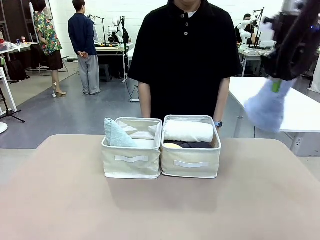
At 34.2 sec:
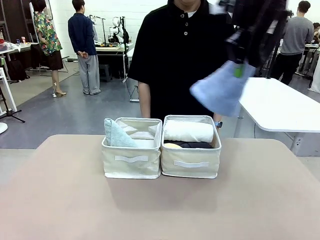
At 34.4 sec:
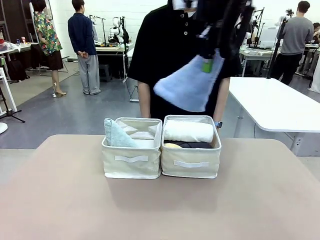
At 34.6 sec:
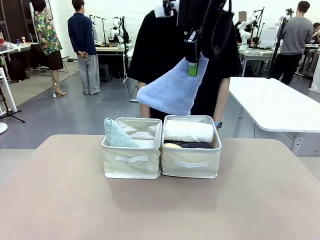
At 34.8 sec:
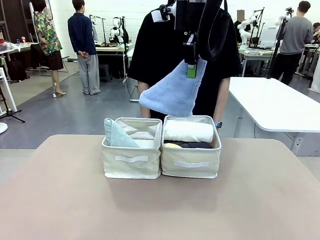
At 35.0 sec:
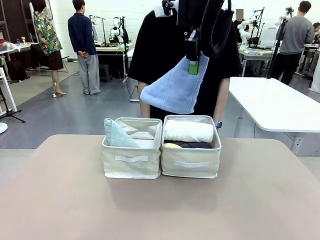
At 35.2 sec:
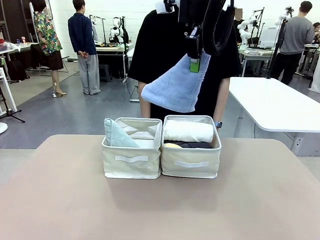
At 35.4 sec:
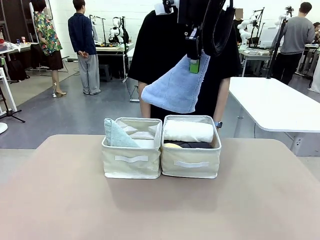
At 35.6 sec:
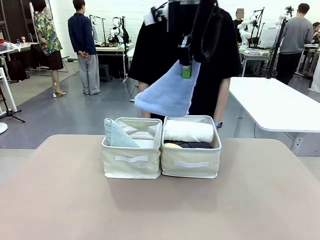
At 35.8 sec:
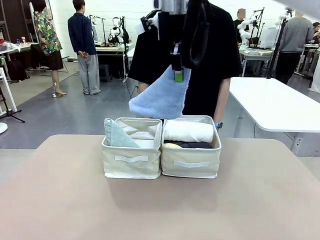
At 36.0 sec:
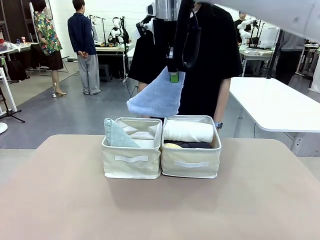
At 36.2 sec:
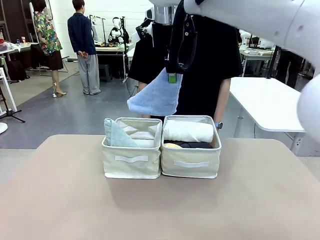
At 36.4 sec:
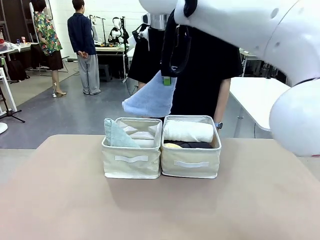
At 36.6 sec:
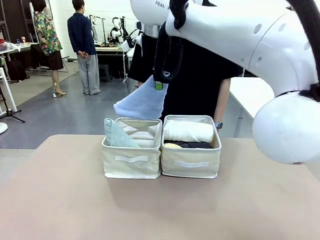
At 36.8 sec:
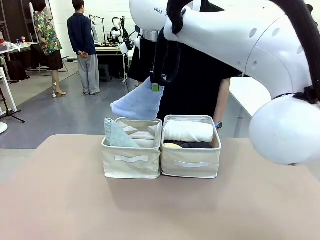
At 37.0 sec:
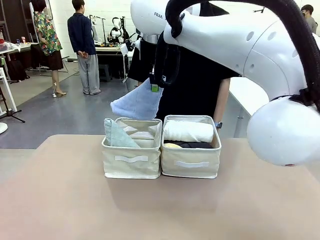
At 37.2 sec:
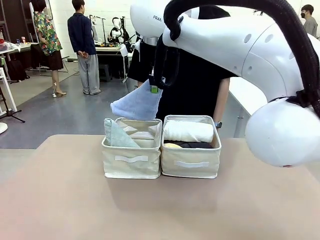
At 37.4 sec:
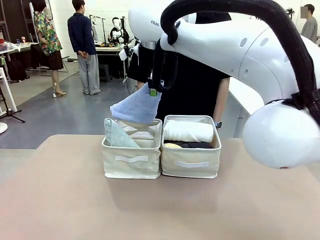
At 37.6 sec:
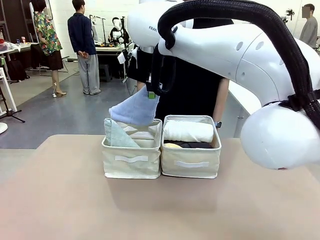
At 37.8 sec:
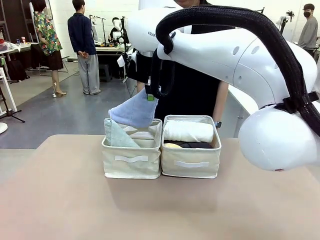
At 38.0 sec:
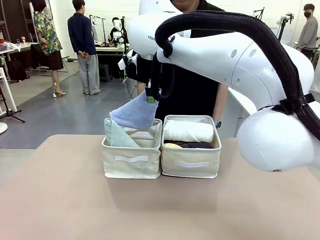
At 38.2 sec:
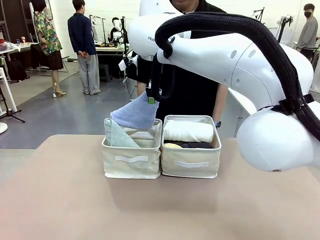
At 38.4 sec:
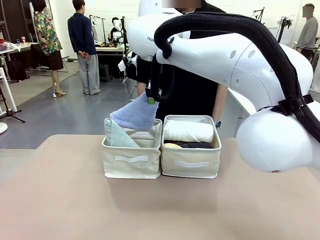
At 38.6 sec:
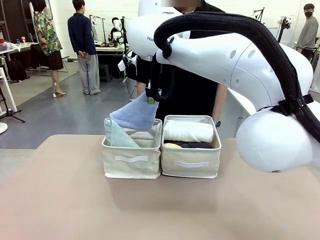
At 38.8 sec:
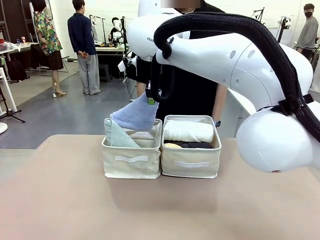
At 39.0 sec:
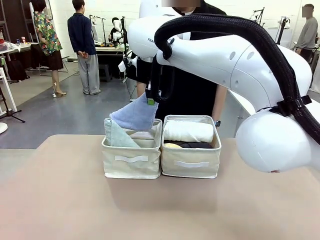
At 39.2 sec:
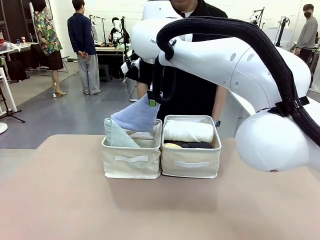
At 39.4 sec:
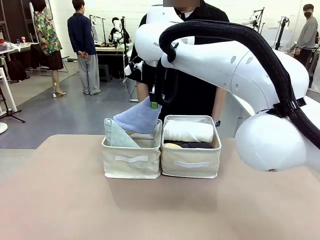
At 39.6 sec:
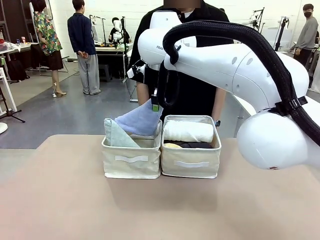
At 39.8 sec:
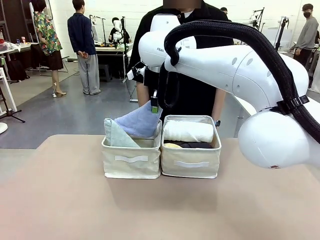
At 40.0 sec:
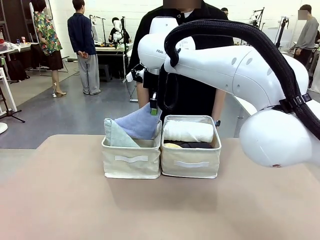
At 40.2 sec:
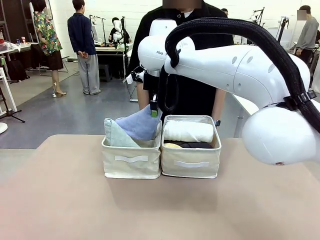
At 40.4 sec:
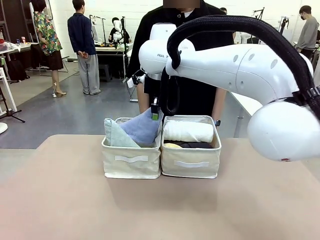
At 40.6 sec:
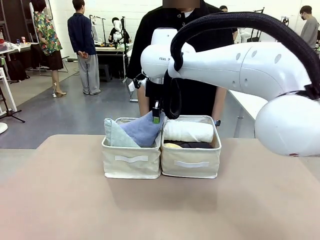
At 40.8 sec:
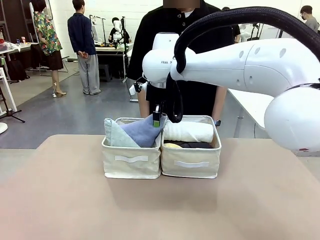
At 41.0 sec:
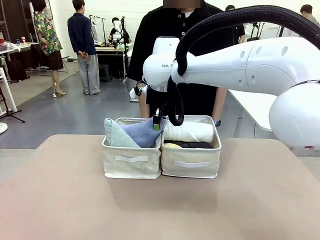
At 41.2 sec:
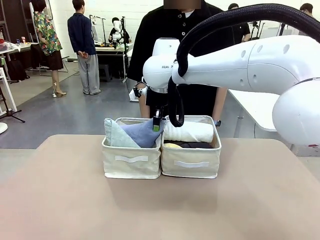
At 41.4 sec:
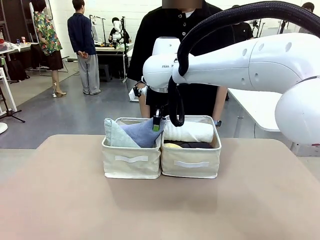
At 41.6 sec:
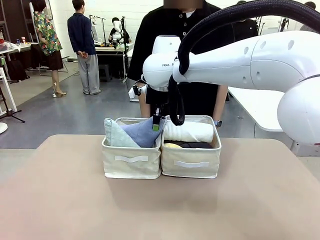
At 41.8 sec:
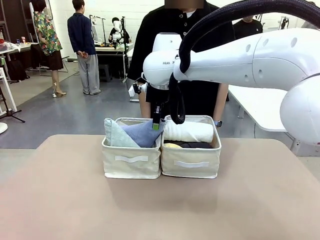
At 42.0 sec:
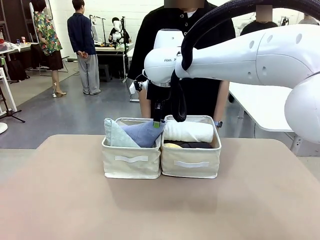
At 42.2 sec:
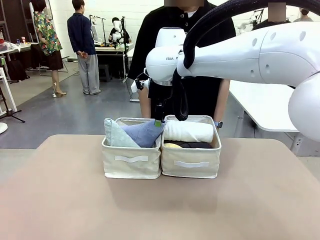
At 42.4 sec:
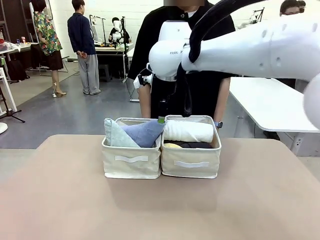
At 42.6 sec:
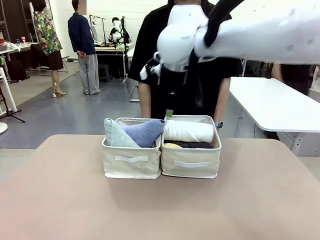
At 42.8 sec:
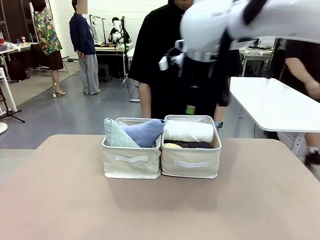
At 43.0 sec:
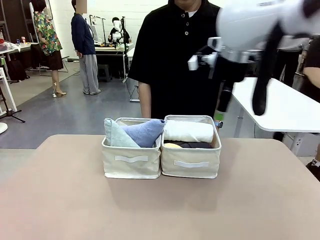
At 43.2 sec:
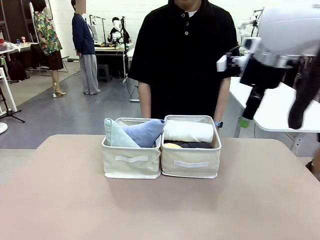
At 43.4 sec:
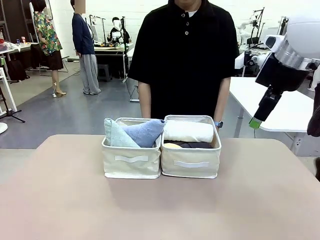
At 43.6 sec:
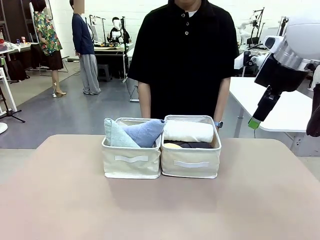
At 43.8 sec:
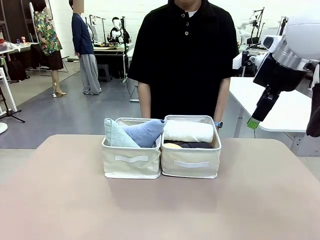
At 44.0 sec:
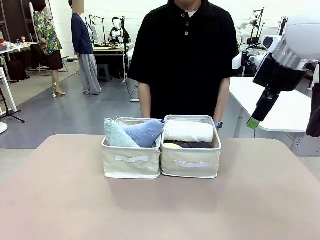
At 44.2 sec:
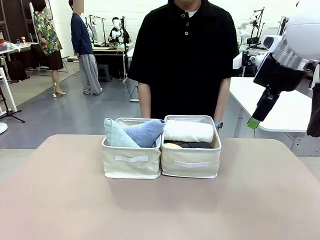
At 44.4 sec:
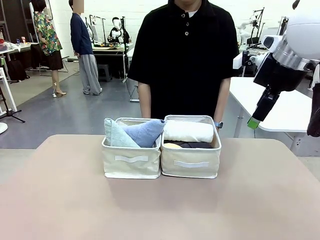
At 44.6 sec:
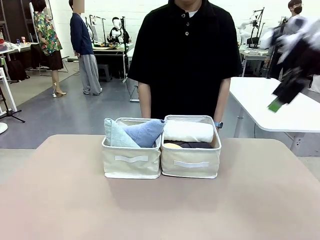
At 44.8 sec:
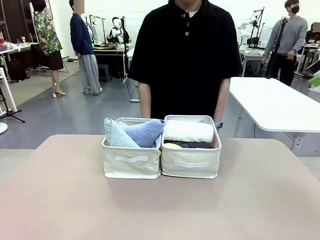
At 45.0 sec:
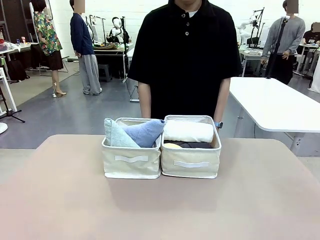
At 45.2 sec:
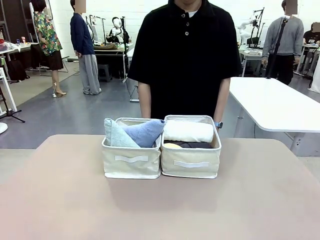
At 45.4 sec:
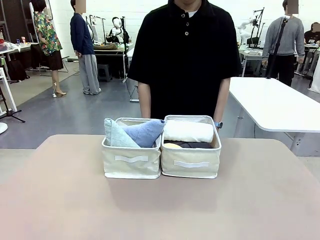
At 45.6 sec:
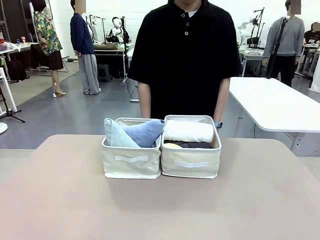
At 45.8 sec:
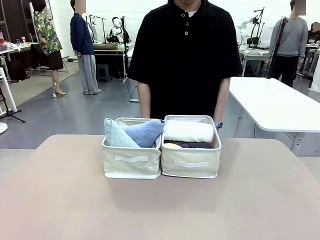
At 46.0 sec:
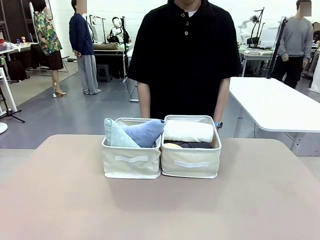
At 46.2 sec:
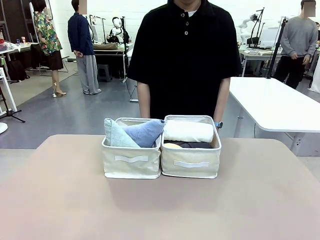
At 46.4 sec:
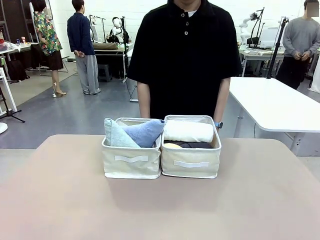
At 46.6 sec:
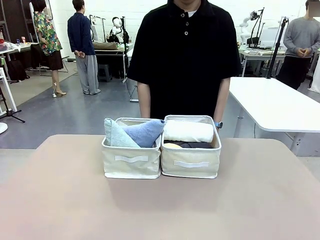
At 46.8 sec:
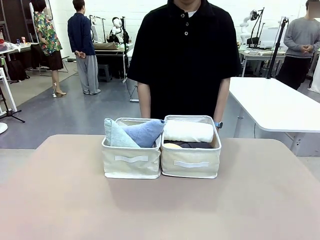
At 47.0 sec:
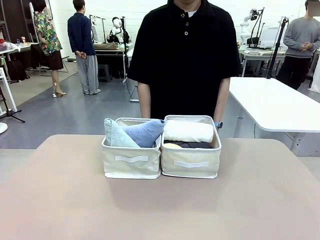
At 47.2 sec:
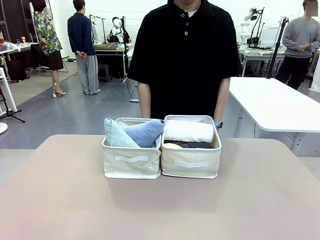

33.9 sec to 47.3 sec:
Task: Sort the towels based on their folding style.
Robot: Pick up another triangle-folded towel from the table and place it in the left Fabric basket.
